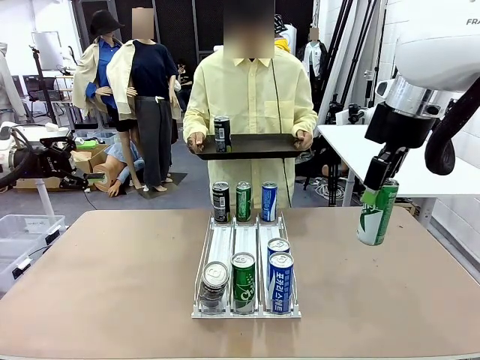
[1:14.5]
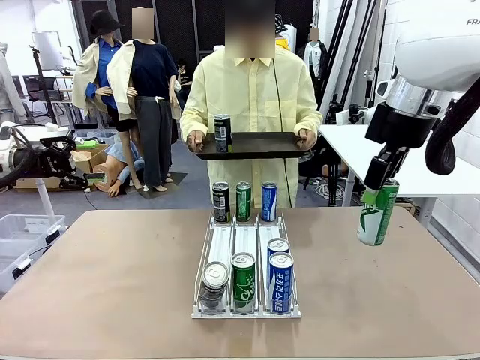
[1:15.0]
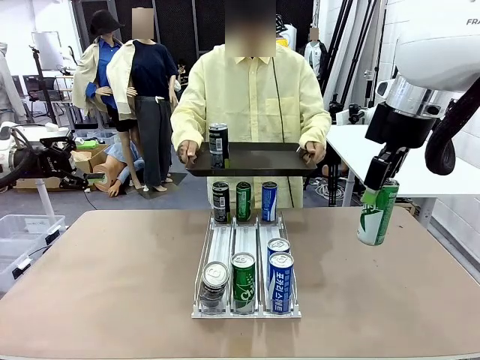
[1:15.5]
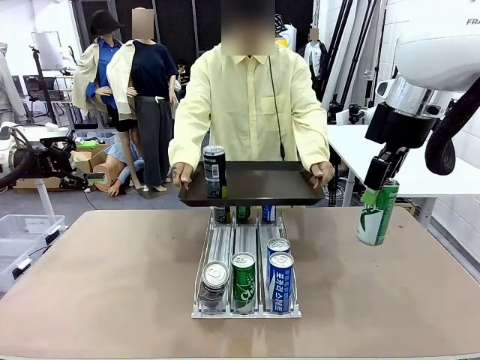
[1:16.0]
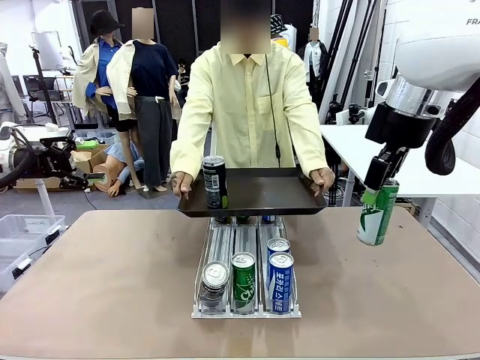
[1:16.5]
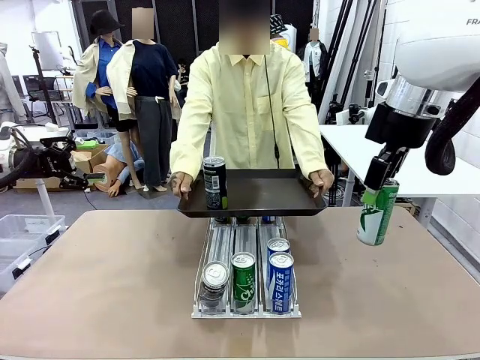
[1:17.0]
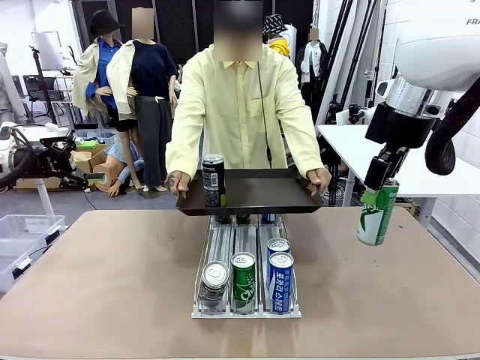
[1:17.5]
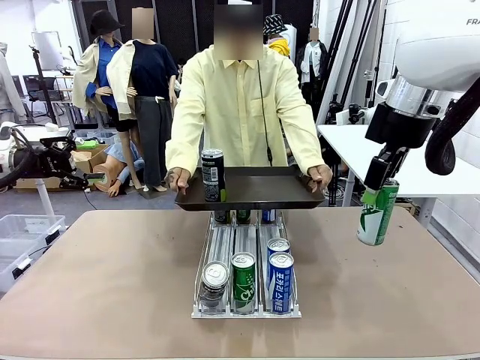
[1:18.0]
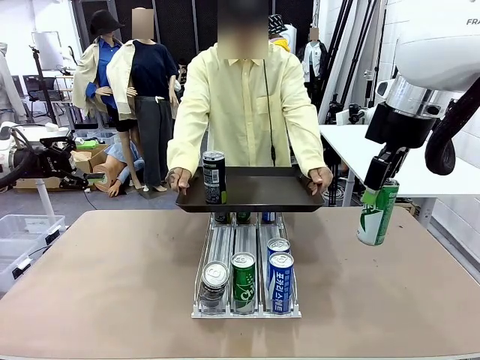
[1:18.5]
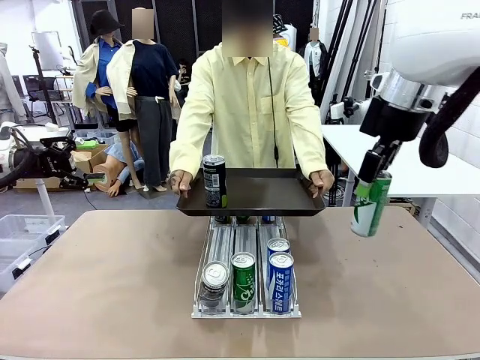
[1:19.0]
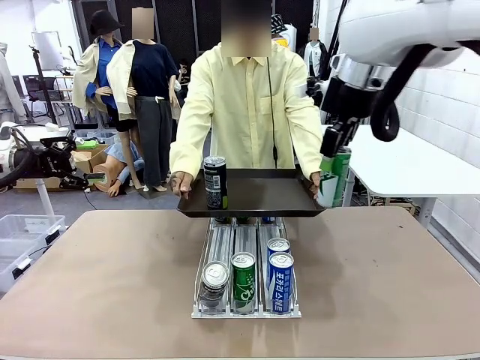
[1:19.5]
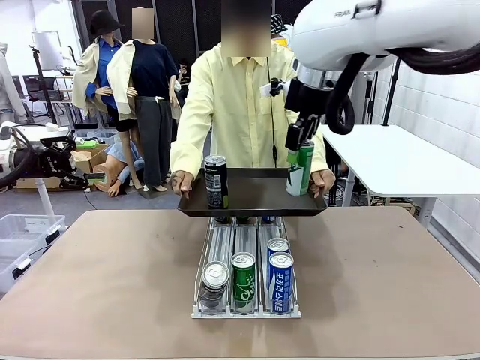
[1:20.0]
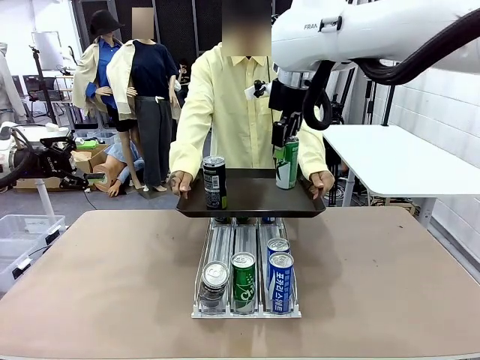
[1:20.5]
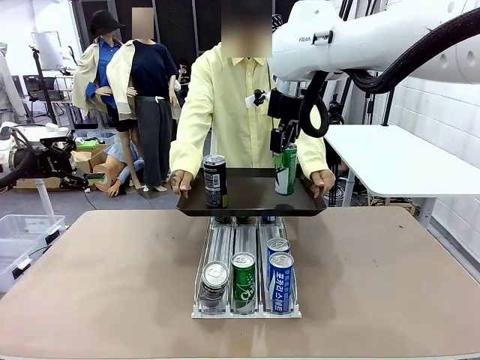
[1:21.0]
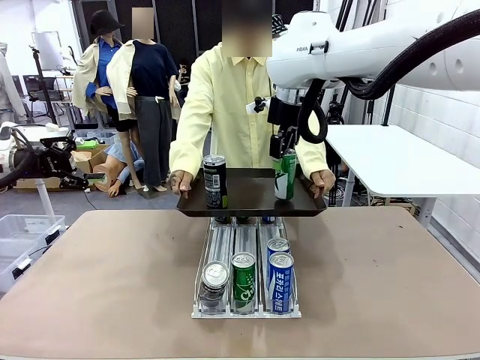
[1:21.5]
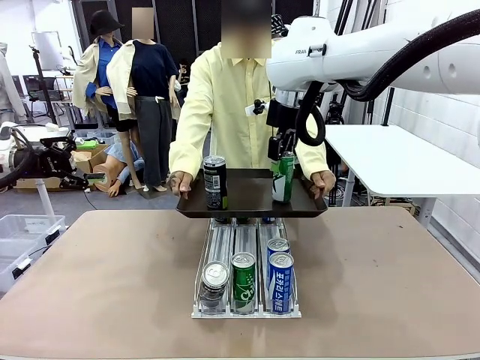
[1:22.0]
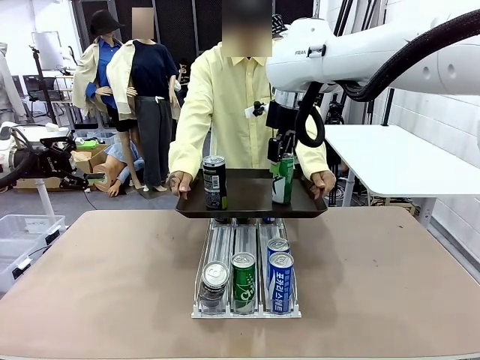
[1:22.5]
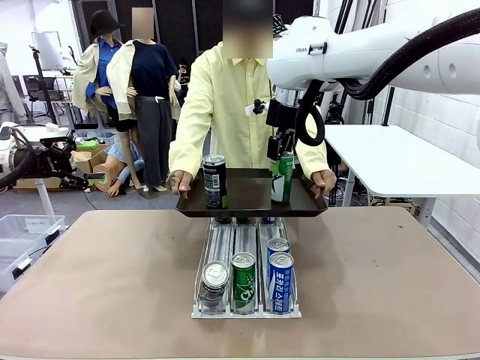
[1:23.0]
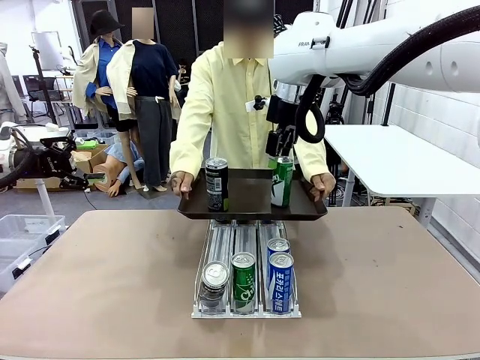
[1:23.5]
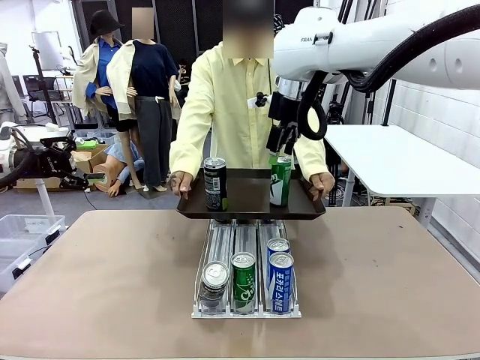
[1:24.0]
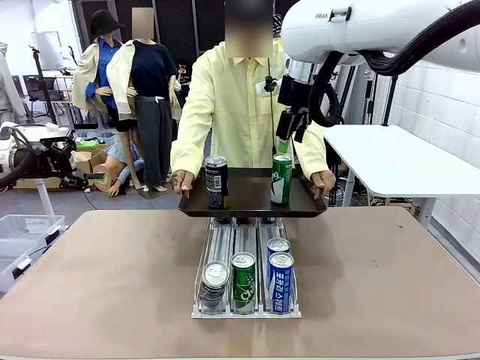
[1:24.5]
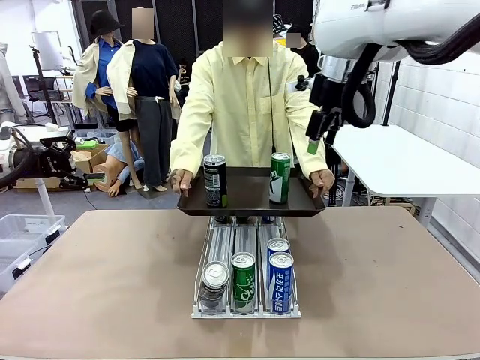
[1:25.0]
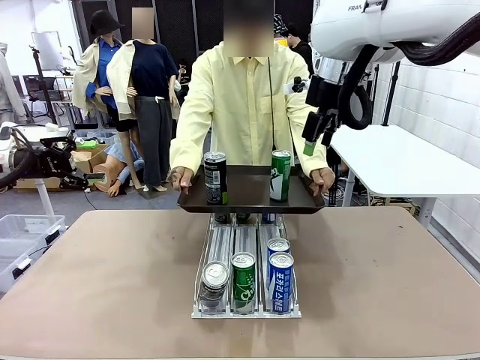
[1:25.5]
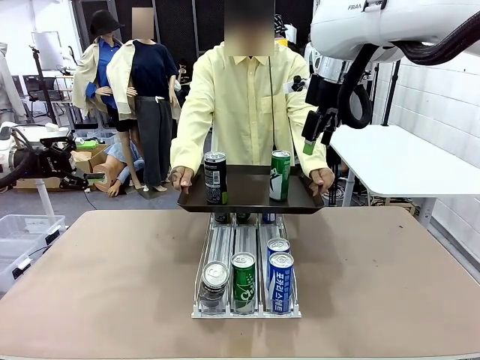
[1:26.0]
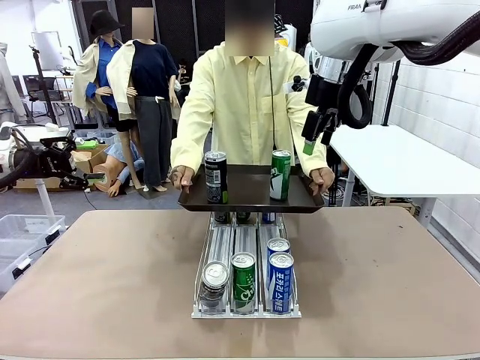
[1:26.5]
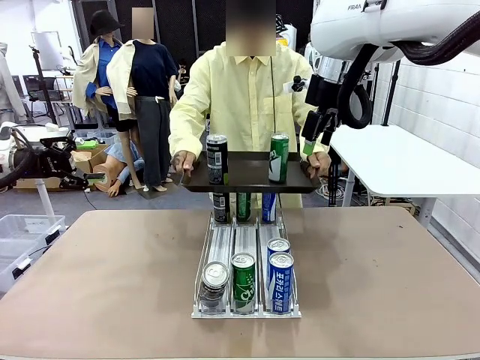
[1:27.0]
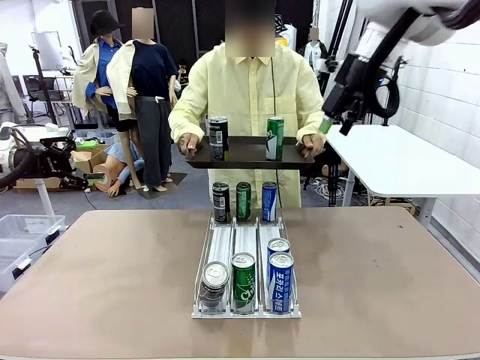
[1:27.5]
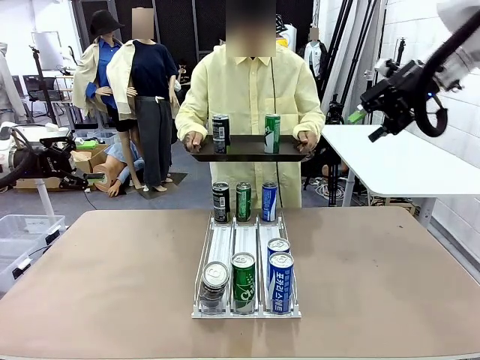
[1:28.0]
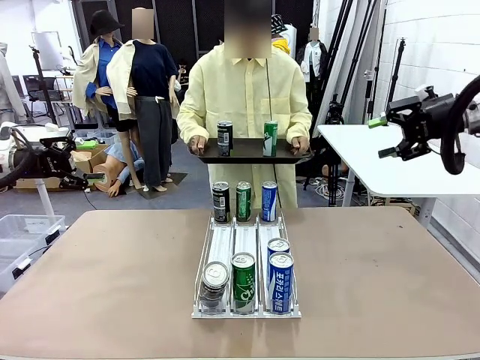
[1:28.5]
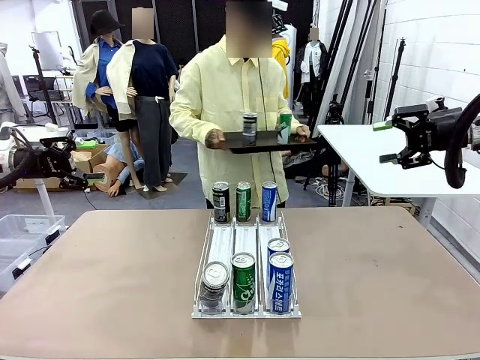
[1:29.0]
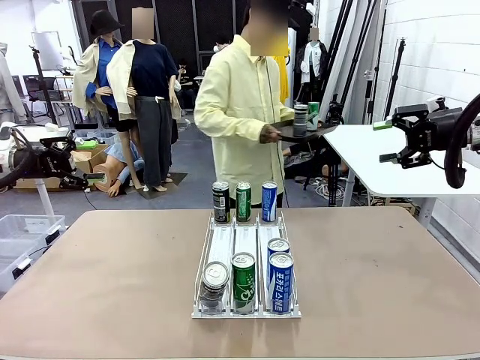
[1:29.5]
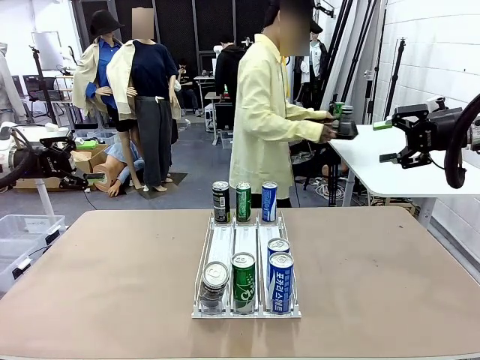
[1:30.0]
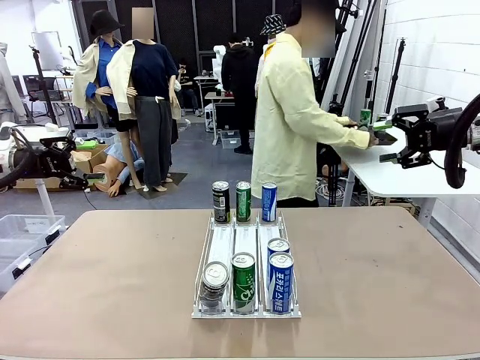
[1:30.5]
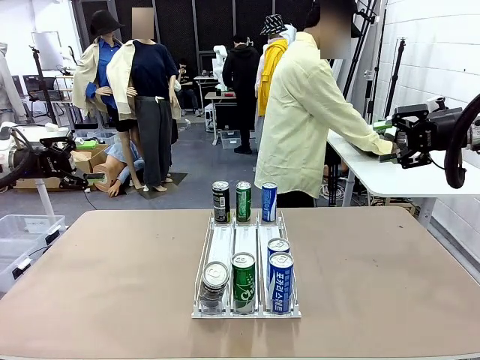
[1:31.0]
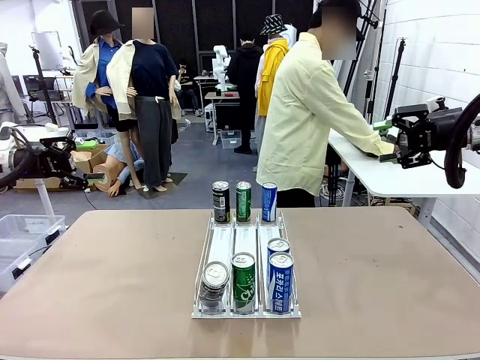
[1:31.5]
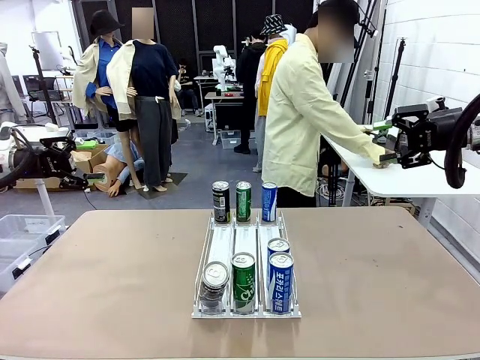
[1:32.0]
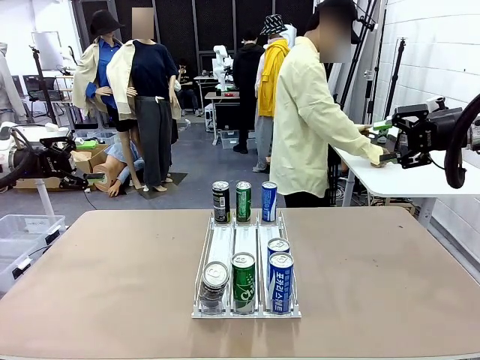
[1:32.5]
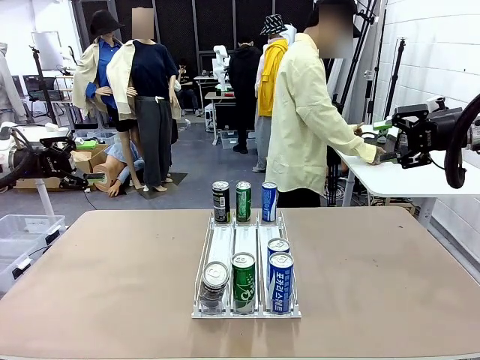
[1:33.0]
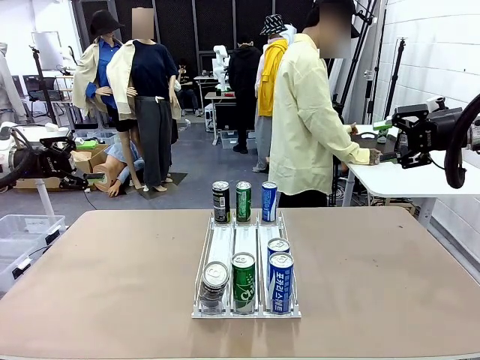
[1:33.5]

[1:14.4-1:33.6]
Task: Retrieve and hand over the desired beverage to the person.
Robot: Place the picked can on the Handle tray extended by the person.
Person: Pull the tray back and place it at the center of the human table.

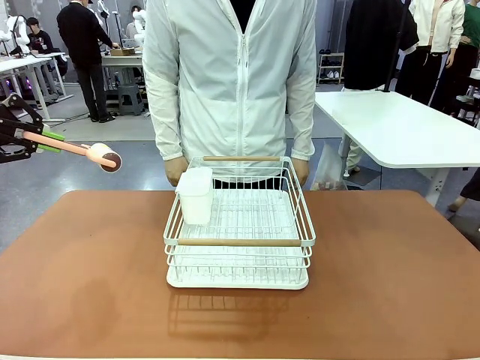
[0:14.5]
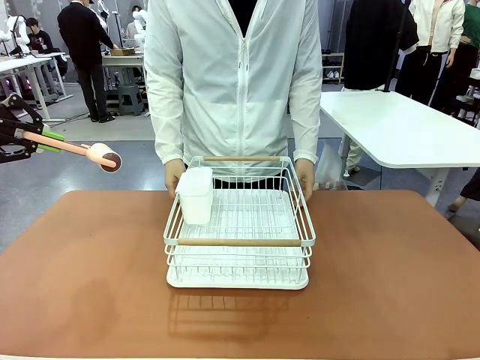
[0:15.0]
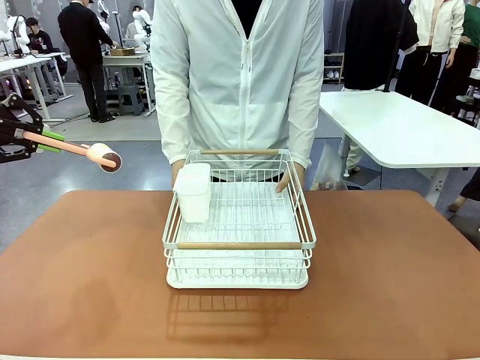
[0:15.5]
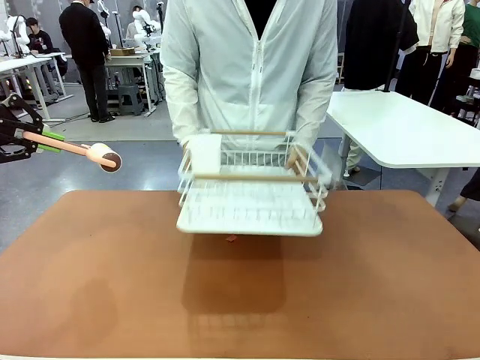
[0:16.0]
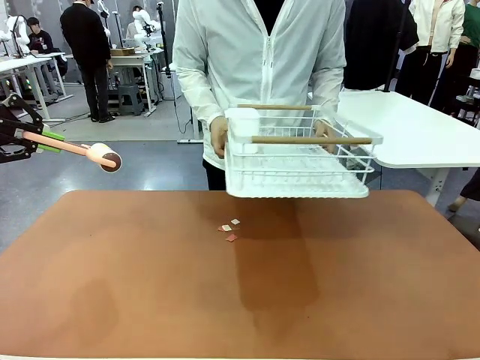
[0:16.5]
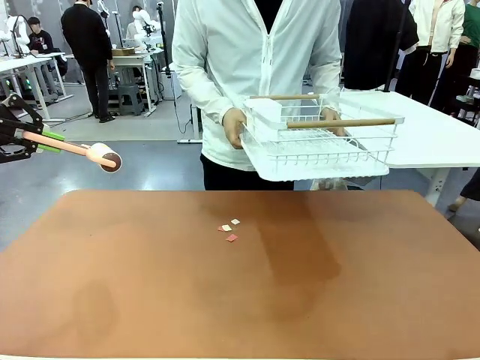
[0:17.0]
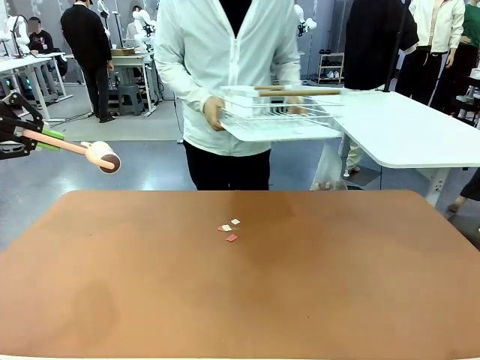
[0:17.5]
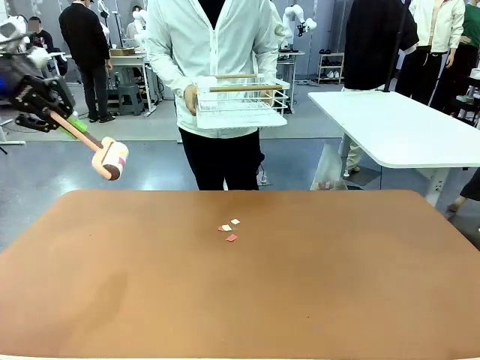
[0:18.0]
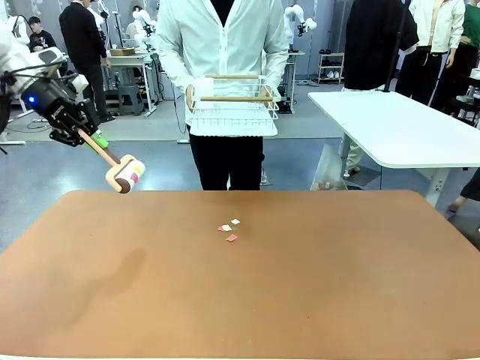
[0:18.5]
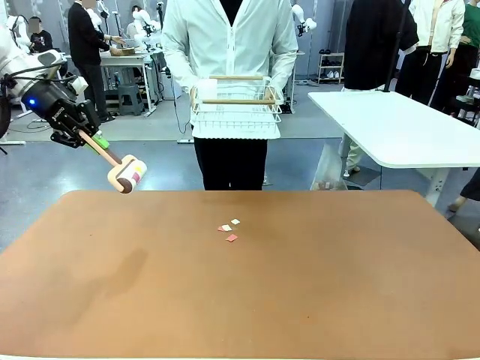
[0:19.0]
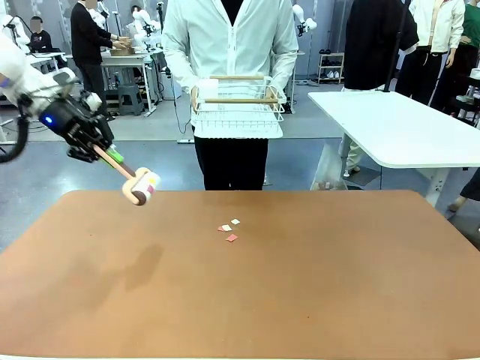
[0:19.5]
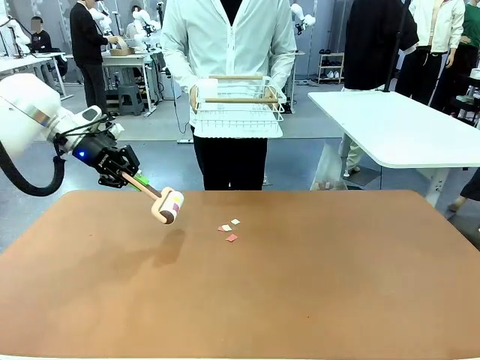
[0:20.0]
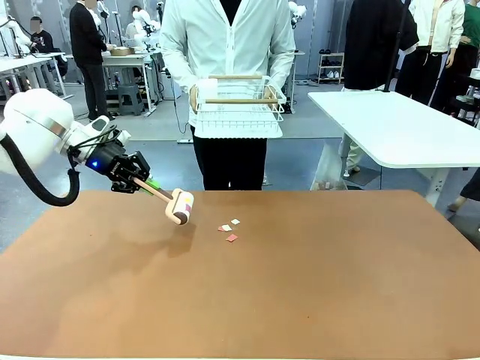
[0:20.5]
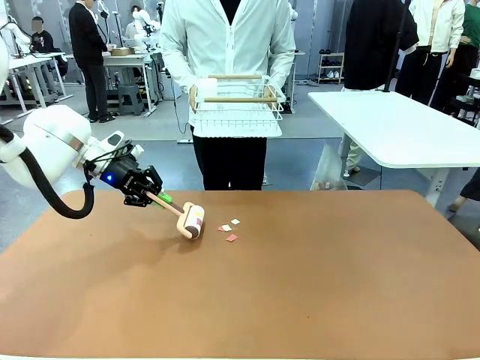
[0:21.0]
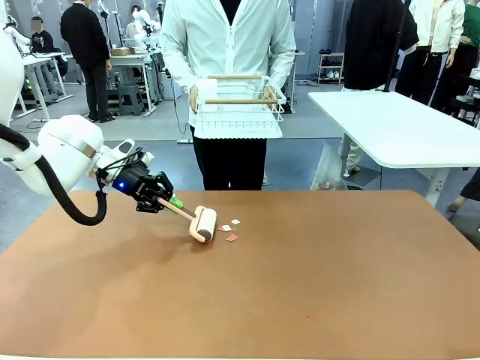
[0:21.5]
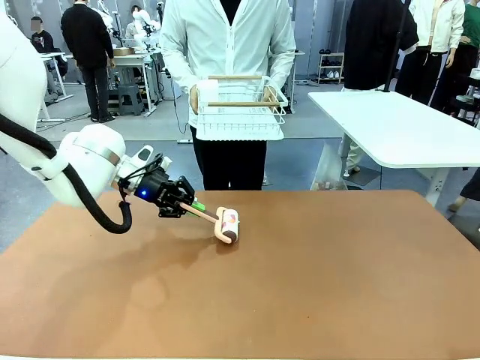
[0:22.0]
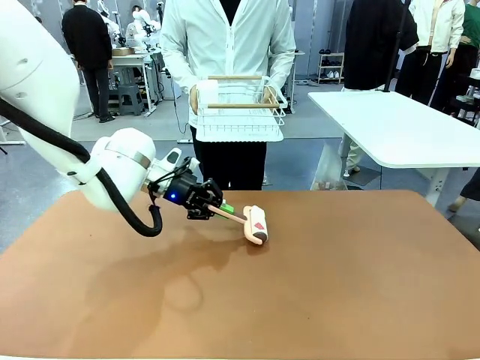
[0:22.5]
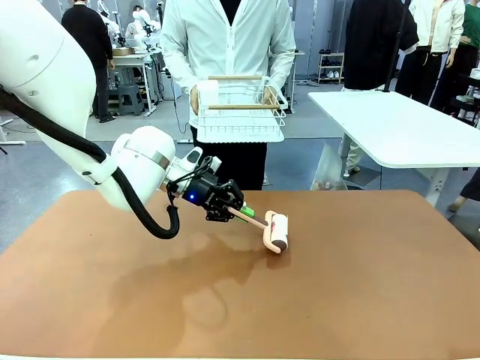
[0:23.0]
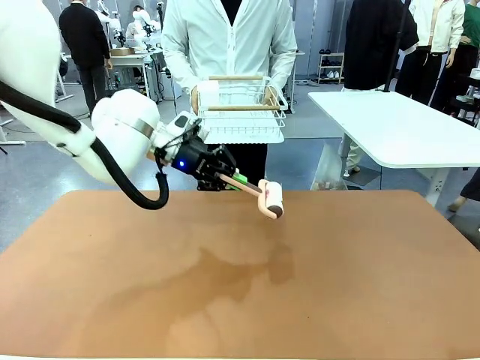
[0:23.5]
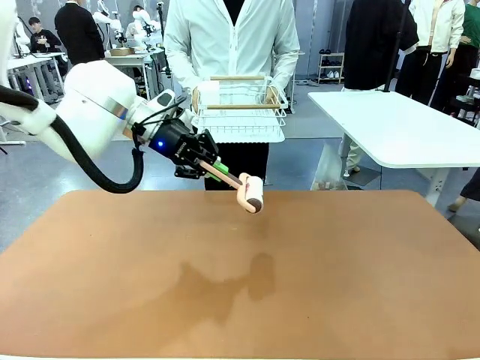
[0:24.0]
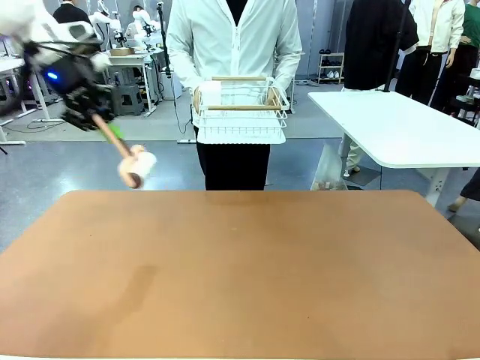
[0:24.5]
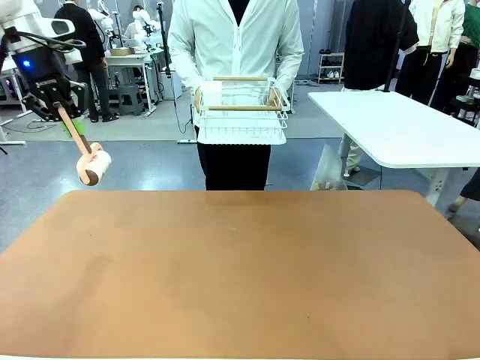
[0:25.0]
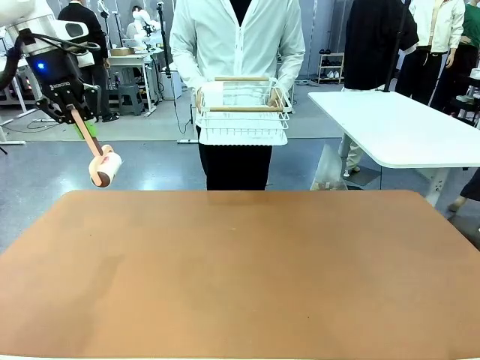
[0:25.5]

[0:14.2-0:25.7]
Task: Clean the table.
Robot: Clean the table with the Lint Roller when the human lifts the Dish drying rack.
